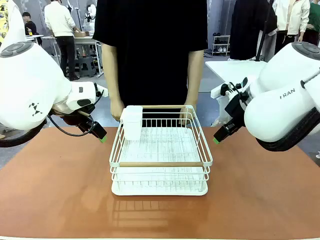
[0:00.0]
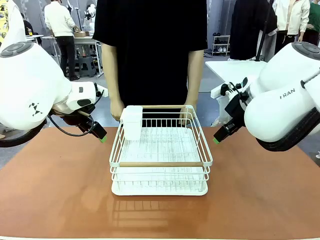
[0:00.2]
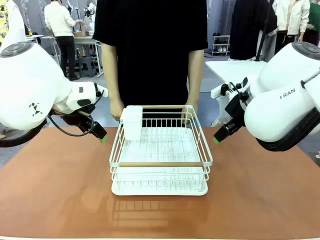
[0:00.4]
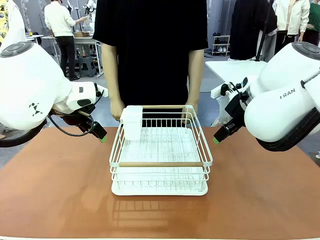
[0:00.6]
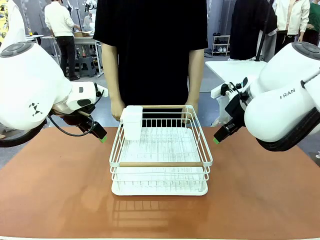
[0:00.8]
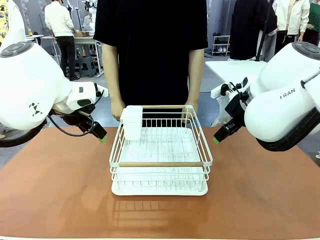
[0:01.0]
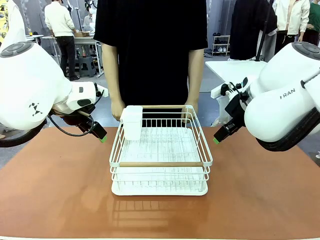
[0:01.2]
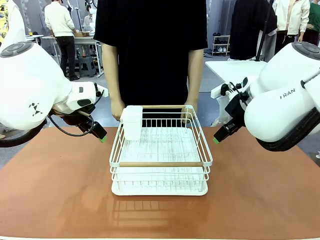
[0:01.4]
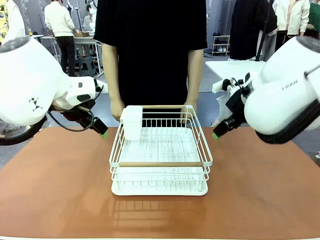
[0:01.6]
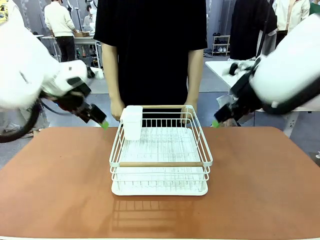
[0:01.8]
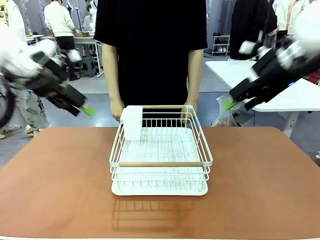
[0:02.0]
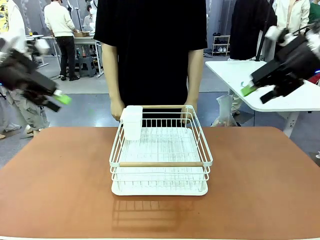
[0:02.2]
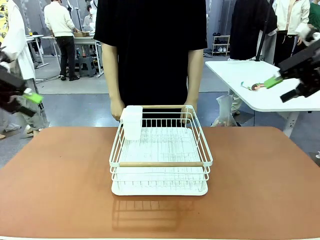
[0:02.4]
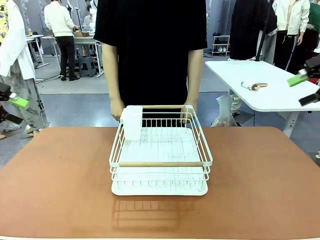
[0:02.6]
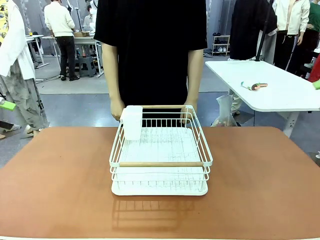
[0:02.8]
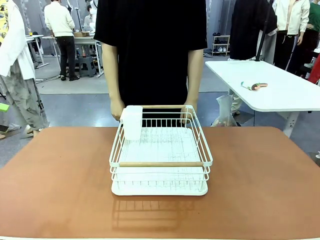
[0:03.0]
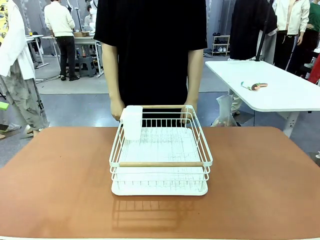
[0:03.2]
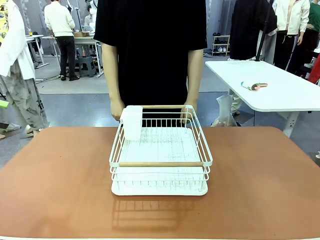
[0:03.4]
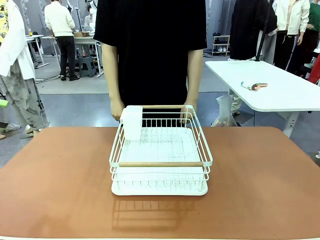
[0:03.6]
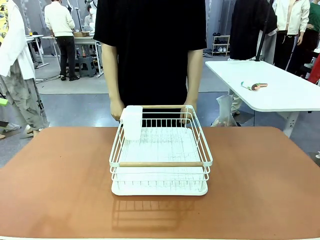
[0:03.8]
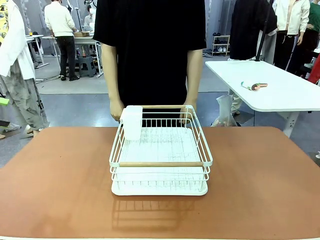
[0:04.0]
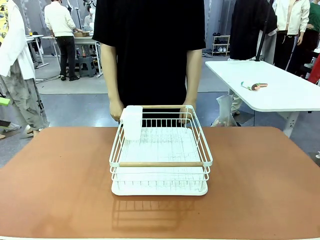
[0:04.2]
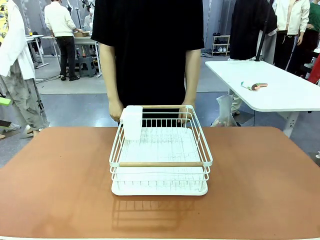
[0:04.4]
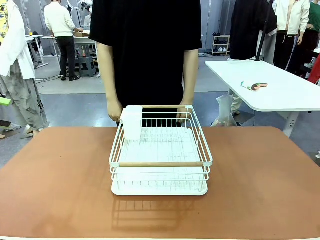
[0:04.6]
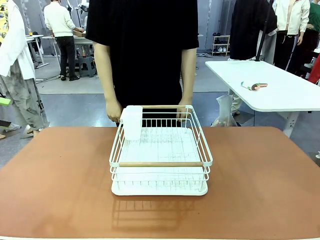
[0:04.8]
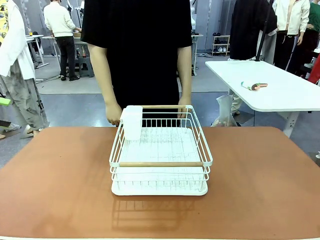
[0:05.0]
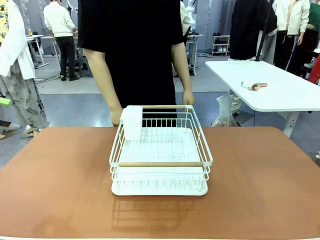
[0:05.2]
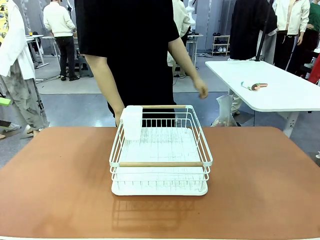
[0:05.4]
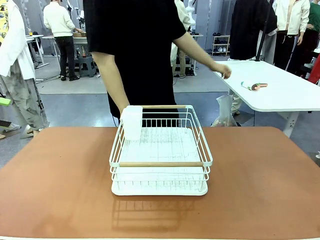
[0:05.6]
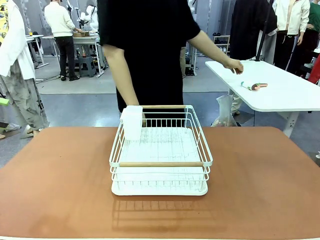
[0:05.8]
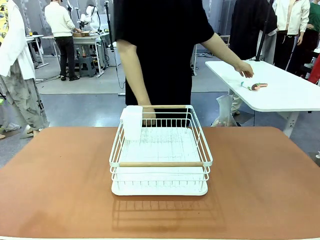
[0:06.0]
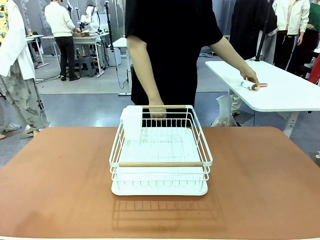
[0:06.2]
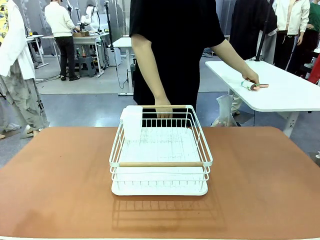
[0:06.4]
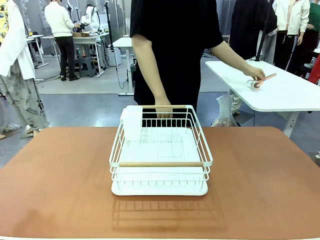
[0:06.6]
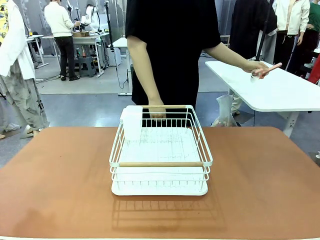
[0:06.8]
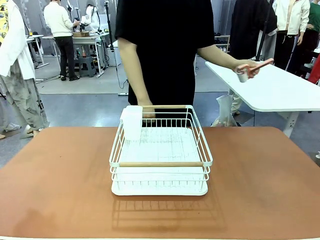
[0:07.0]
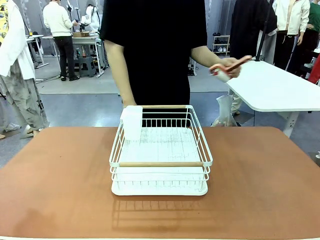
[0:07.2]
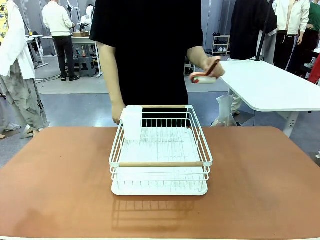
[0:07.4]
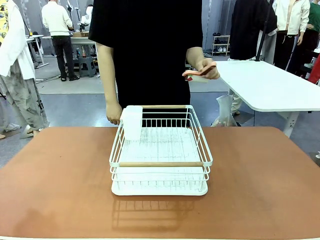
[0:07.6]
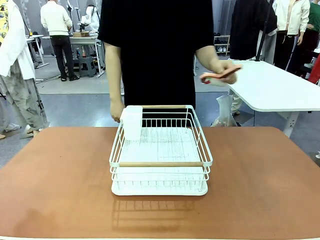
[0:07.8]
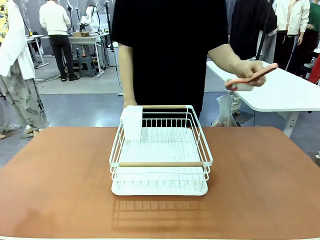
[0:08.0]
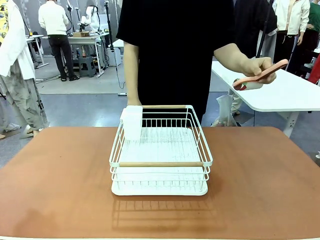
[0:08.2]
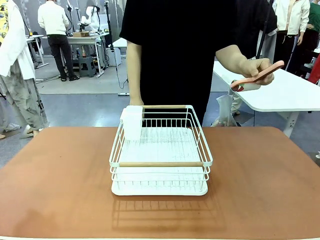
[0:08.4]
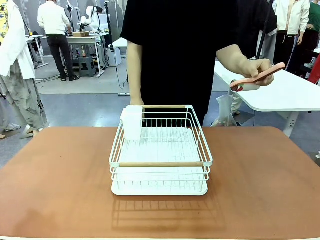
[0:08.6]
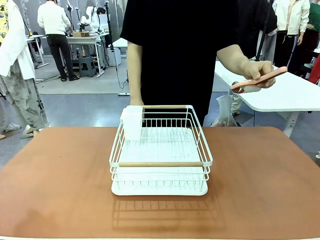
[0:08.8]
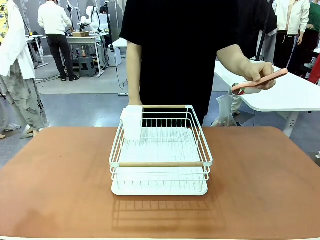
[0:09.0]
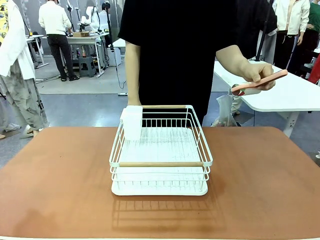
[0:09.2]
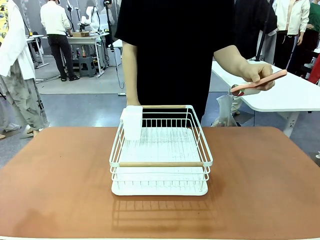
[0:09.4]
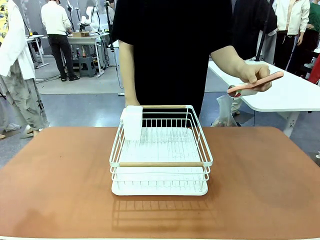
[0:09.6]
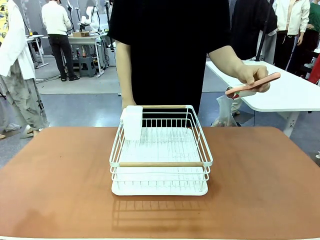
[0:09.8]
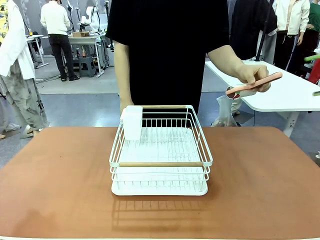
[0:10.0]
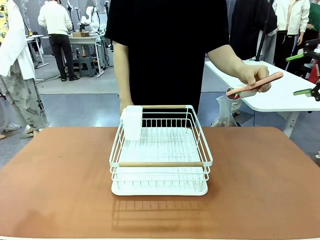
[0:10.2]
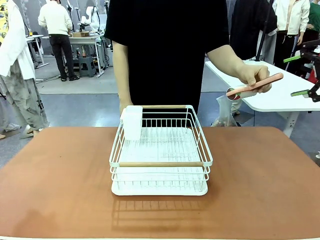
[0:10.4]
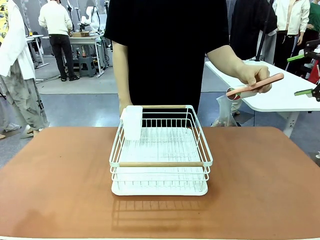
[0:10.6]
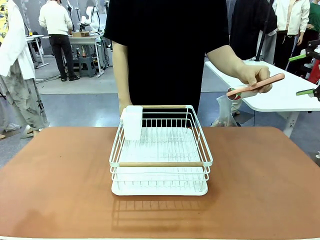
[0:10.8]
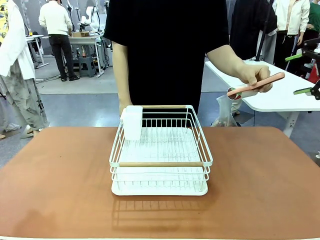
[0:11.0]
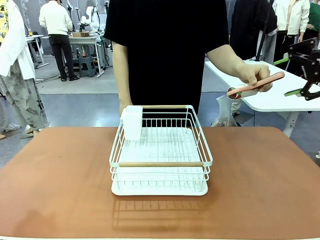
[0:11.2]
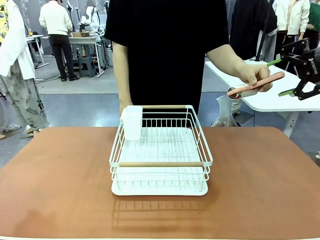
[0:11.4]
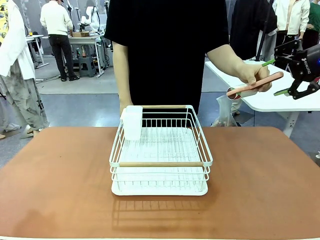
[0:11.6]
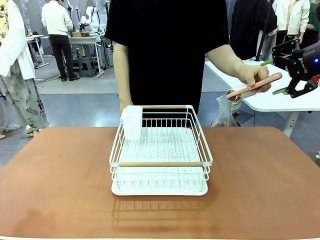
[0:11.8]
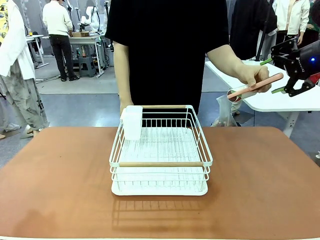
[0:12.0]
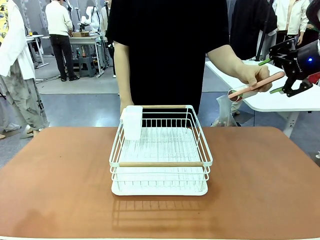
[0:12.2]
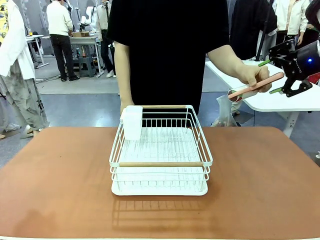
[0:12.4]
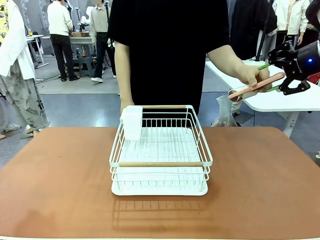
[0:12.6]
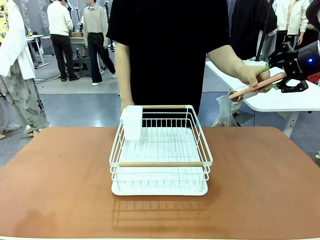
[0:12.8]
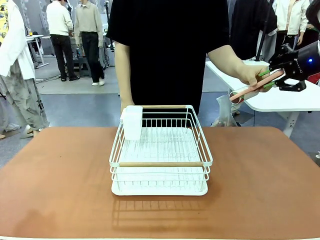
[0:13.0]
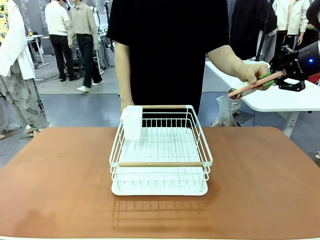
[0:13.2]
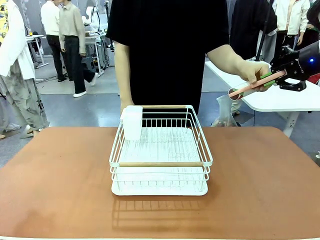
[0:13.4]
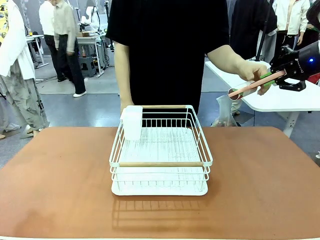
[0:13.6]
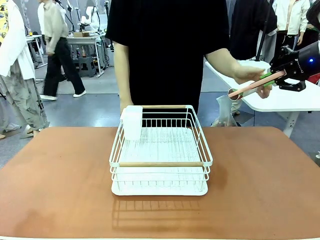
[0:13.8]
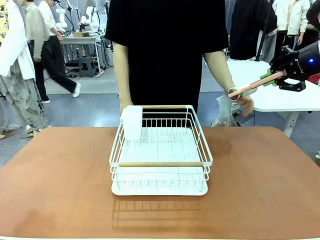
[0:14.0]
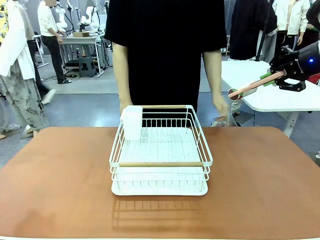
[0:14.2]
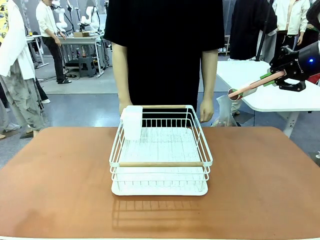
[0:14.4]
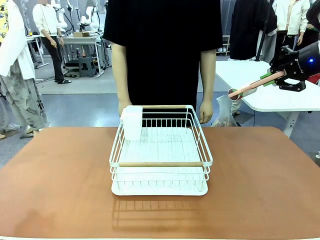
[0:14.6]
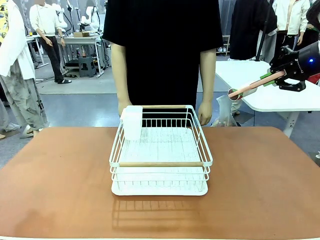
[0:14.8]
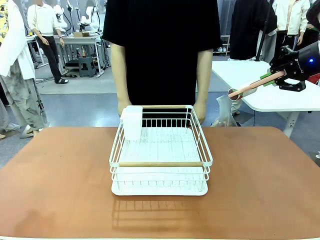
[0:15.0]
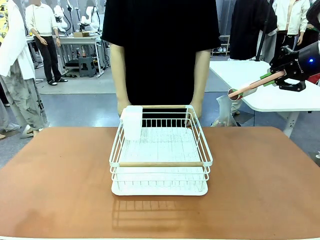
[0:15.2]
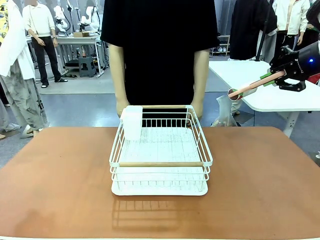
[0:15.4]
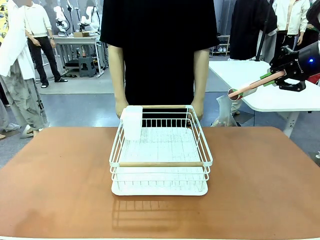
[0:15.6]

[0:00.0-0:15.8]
Task: Clean the table.
Robot: Pick up the Lint Roller when the human hands it over.
Person: Hand the Lint Roller to the robot so it can easily pick it up. Lift the Dish drying rack.
